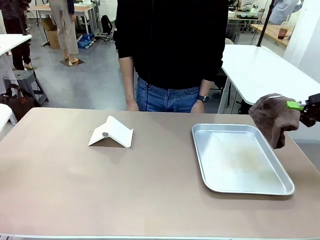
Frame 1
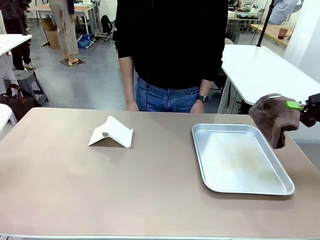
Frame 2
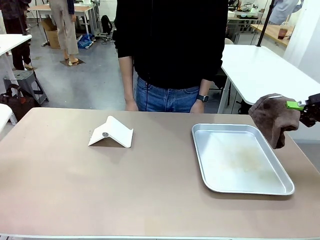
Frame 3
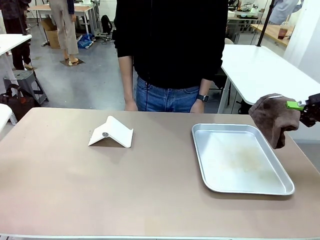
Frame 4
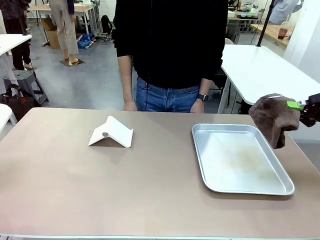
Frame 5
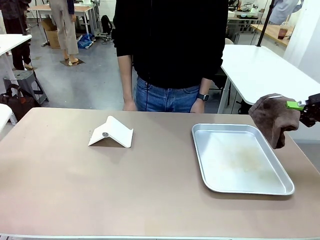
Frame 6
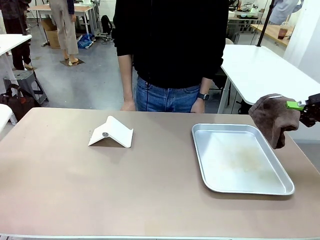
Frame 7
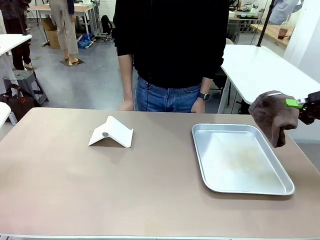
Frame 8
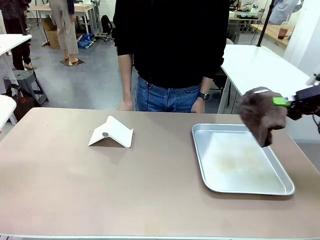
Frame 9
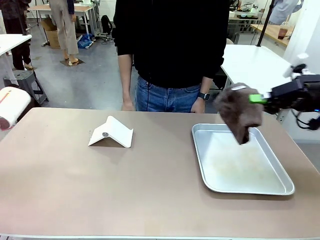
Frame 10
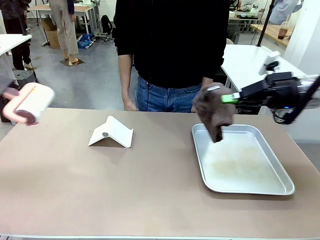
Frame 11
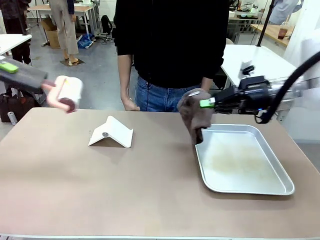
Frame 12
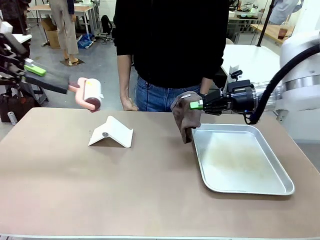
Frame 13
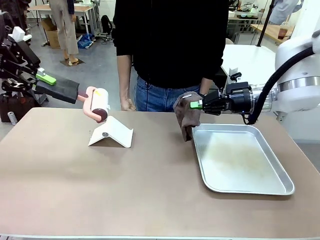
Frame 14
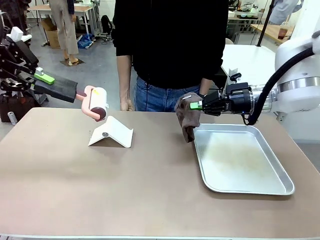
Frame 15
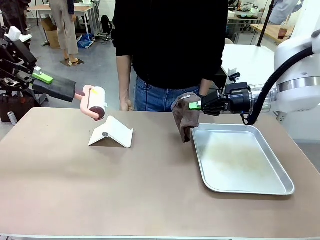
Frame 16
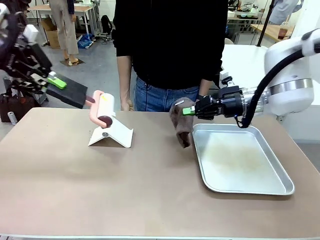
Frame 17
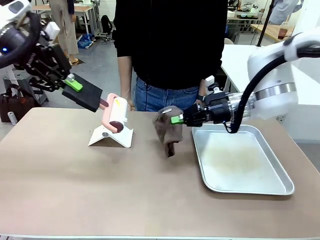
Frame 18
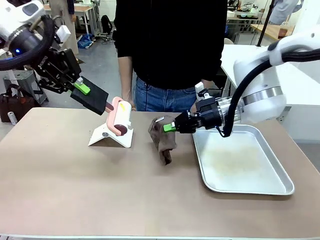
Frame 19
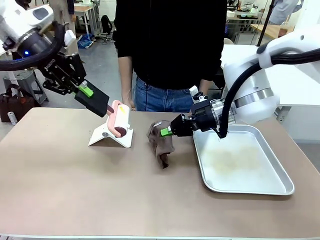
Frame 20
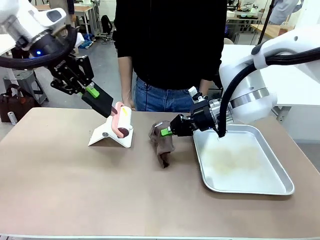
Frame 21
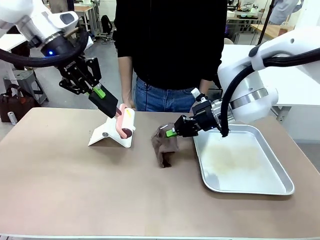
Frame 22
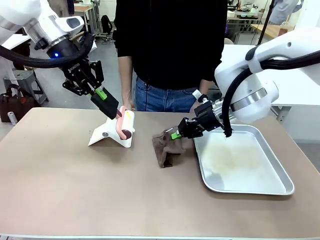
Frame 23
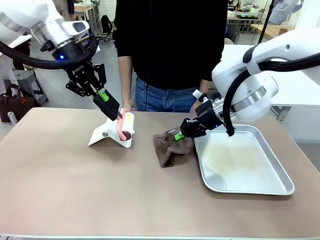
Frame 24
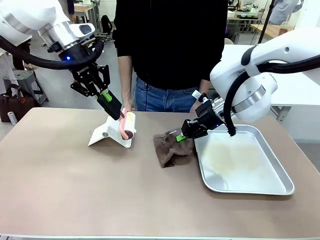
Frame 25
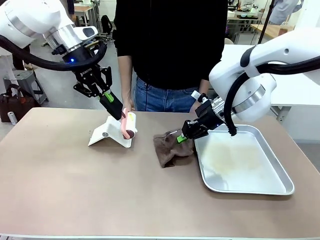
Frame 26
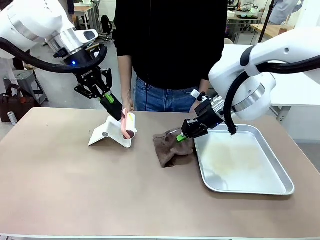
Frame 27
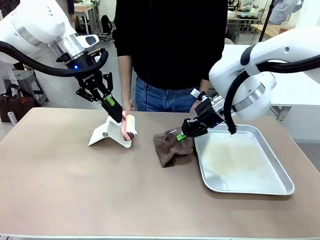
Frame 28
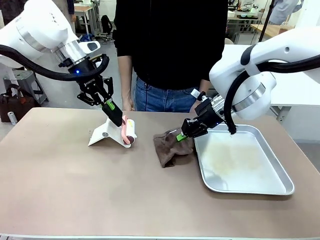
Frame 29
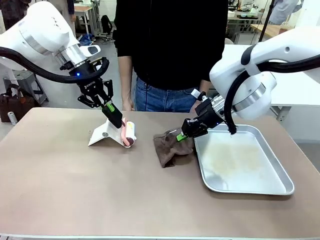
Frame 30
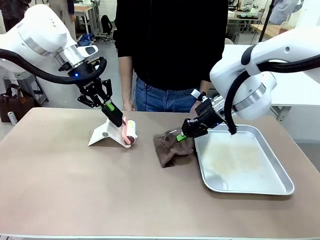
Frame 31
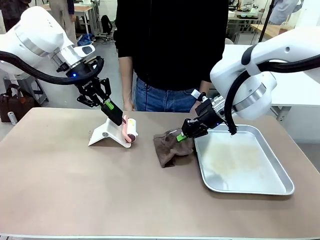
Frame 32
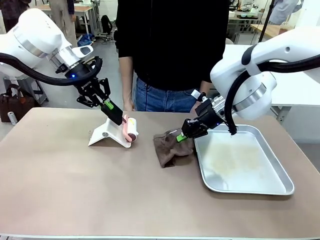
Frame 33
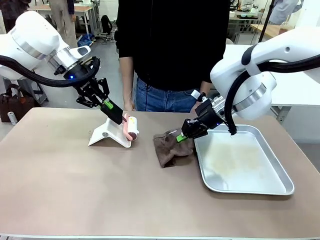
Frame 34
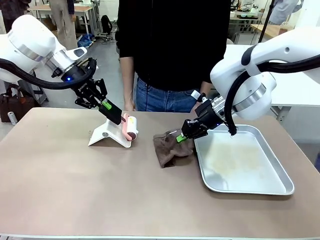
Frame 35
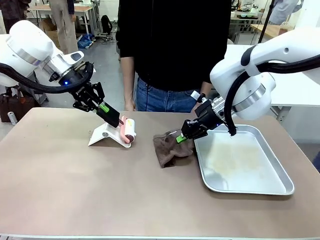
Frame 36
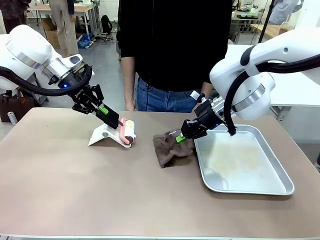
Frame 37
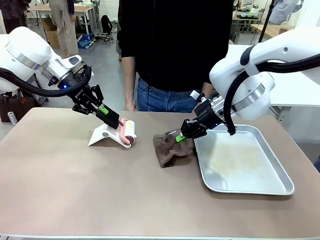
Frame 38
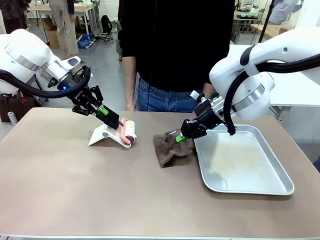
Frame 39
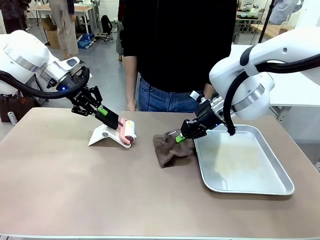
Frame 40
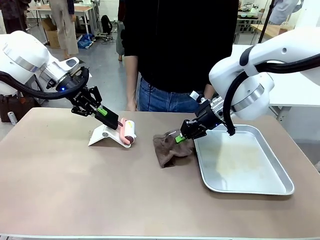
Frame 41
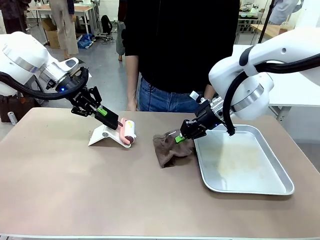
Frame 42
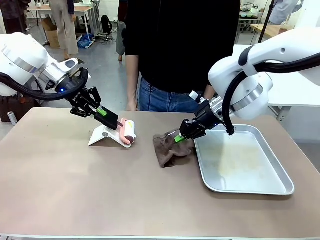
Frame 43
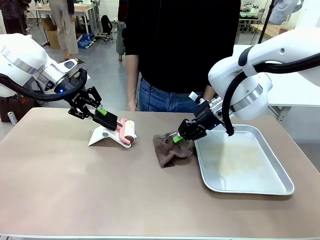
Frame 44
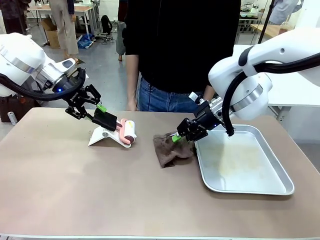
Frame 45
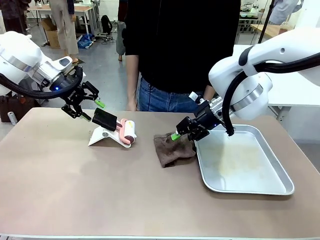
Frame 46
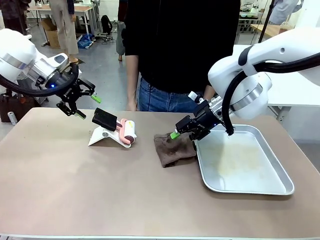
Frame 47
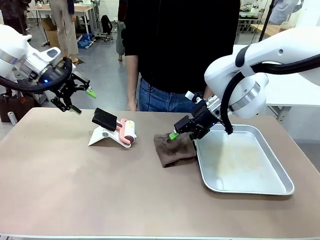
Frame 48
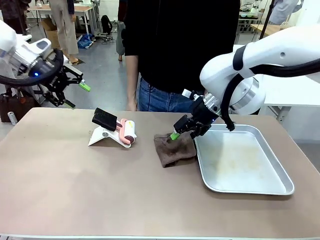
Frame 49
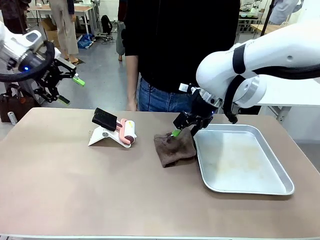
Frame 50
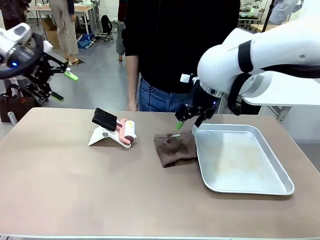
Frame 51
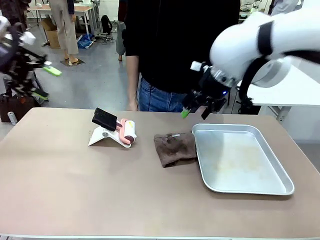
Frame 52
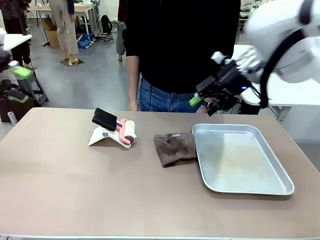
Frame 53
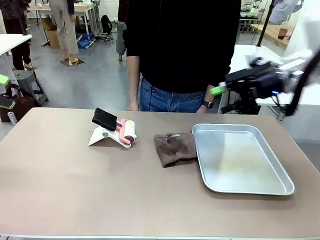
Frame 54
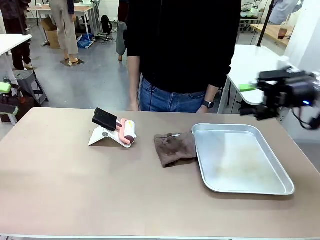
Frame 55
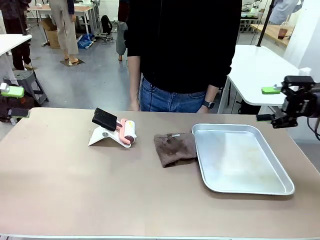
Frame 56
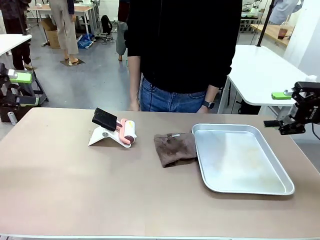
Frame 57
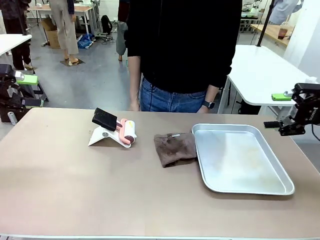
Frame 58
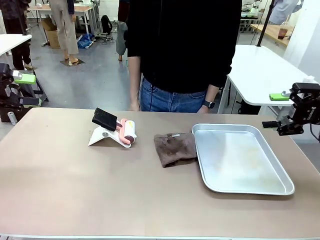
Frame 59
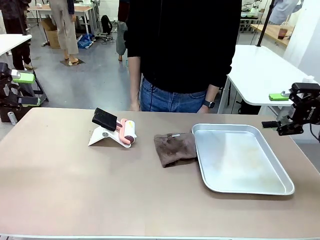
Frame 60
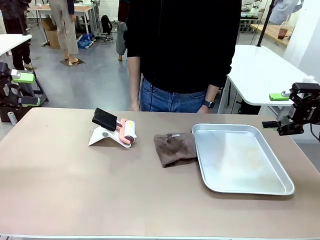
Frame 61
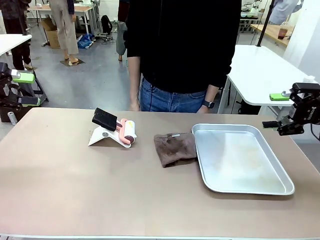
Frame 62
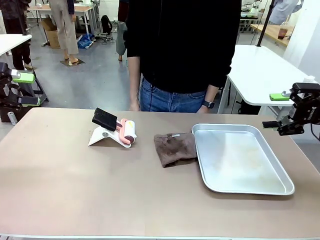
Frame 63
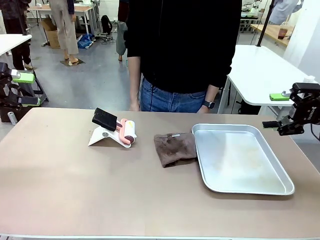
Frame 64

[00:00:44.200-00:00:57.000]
Task: Clean the surface of the table.
Robot: Return the Lint Roller and towel to their original positions.

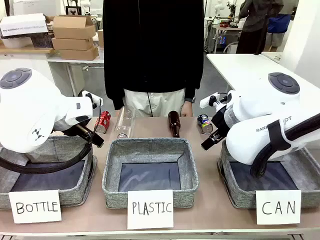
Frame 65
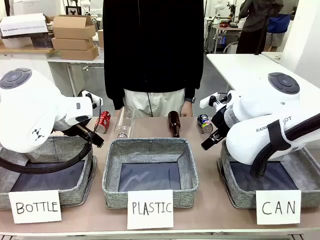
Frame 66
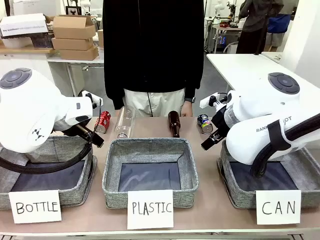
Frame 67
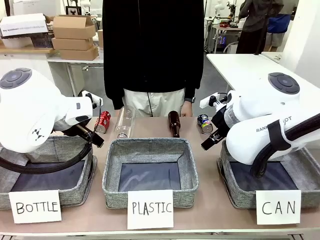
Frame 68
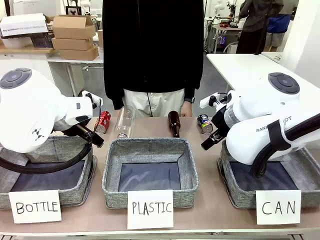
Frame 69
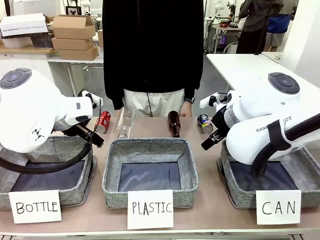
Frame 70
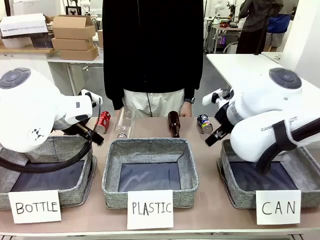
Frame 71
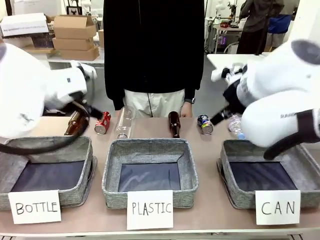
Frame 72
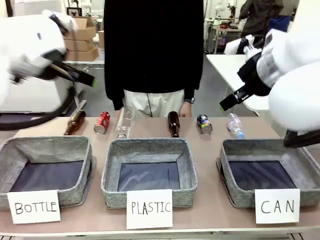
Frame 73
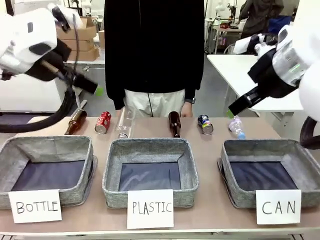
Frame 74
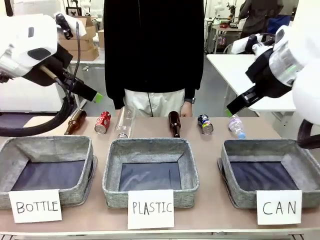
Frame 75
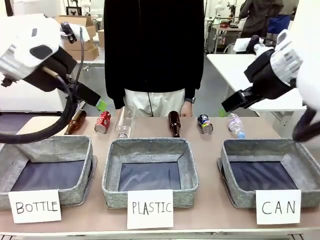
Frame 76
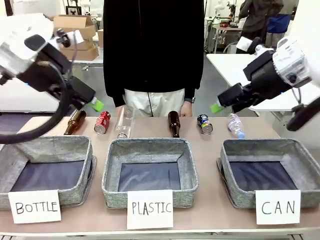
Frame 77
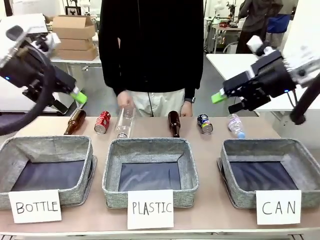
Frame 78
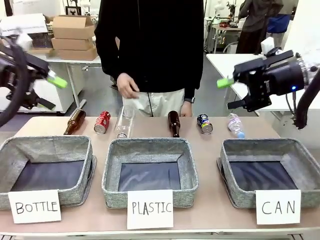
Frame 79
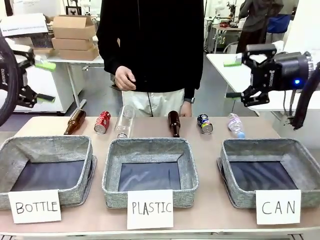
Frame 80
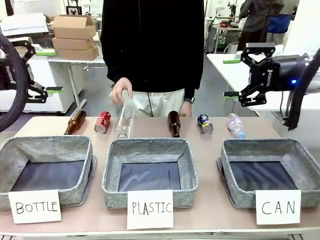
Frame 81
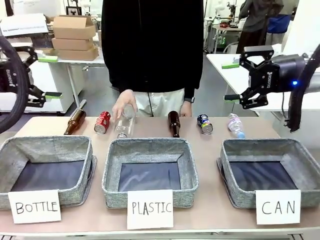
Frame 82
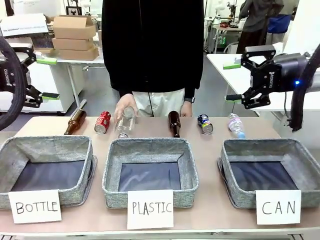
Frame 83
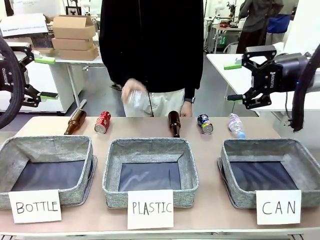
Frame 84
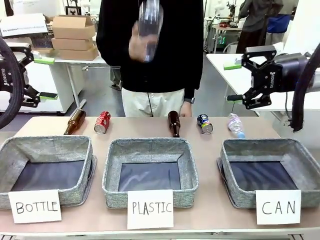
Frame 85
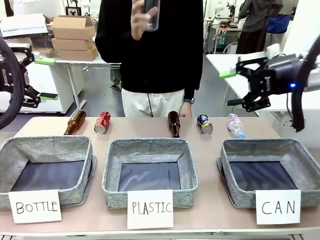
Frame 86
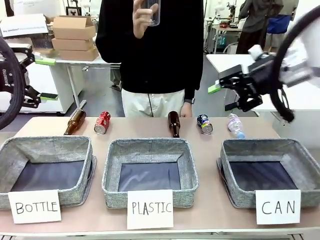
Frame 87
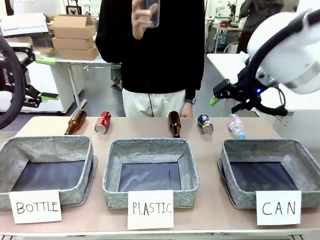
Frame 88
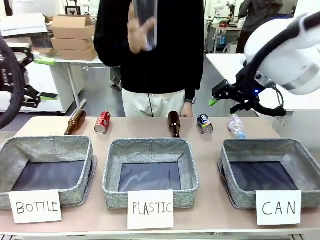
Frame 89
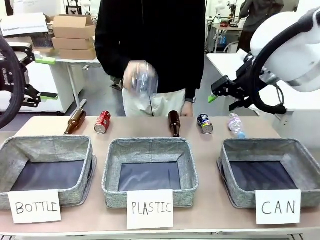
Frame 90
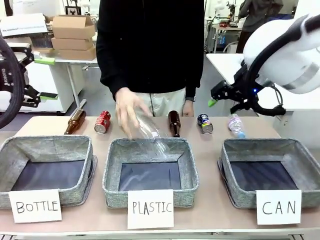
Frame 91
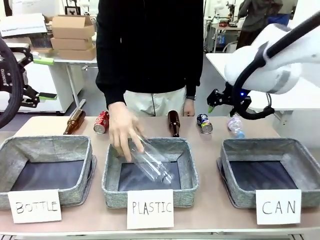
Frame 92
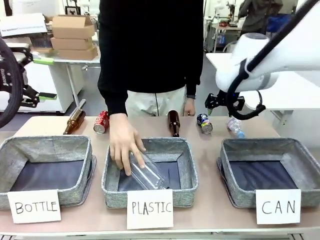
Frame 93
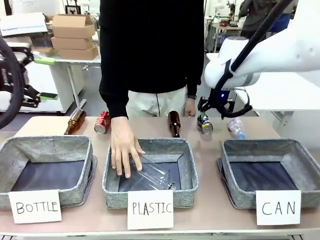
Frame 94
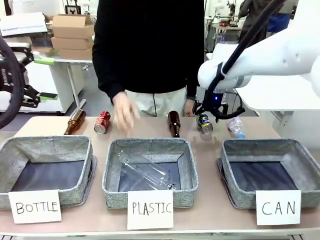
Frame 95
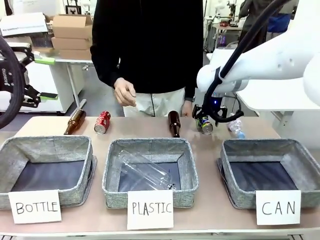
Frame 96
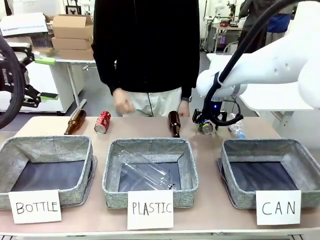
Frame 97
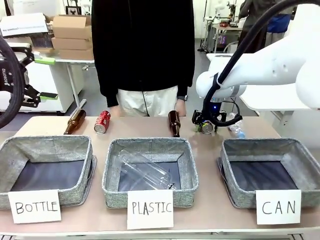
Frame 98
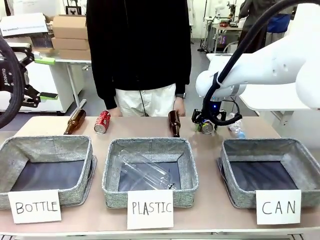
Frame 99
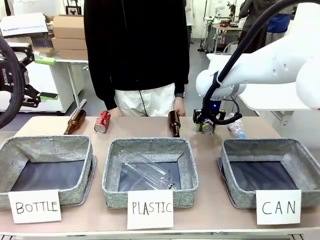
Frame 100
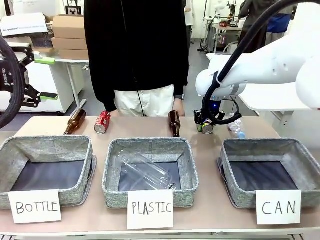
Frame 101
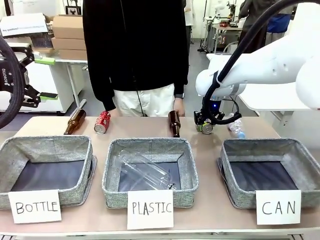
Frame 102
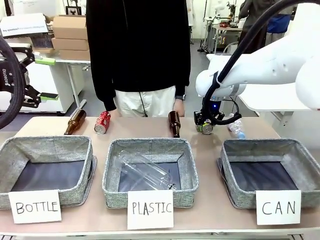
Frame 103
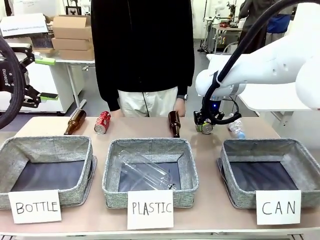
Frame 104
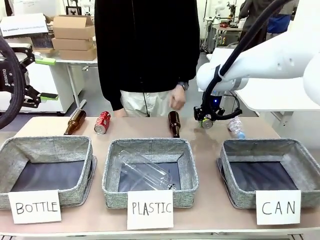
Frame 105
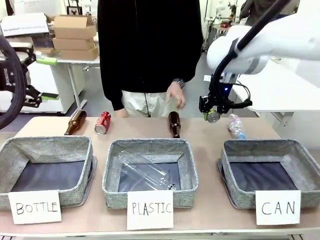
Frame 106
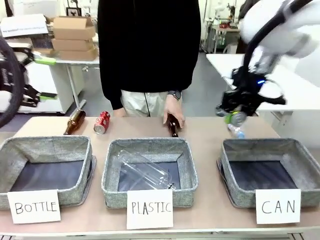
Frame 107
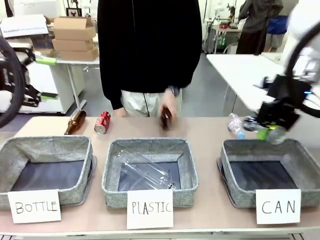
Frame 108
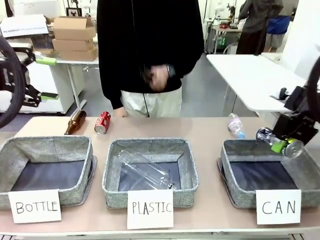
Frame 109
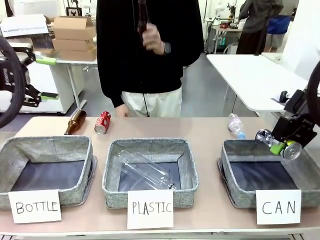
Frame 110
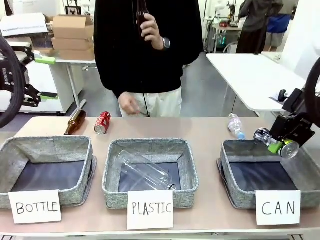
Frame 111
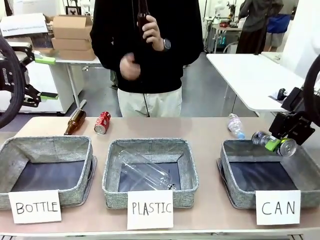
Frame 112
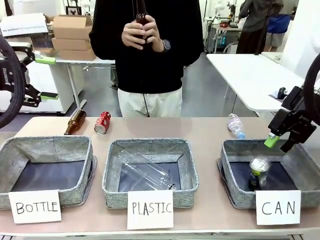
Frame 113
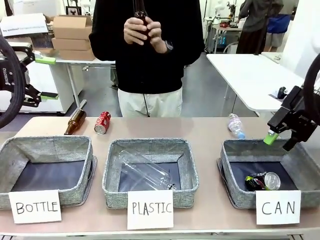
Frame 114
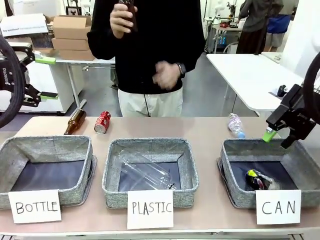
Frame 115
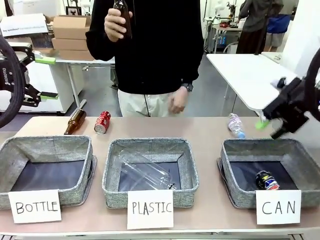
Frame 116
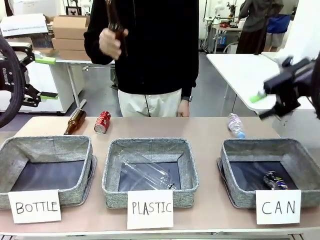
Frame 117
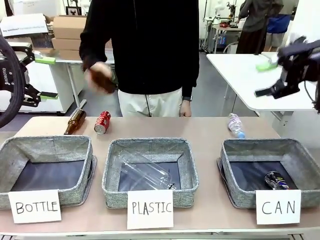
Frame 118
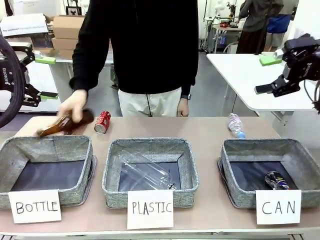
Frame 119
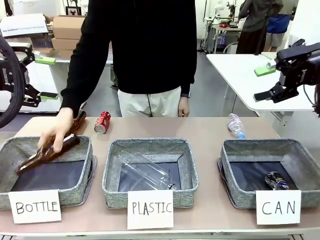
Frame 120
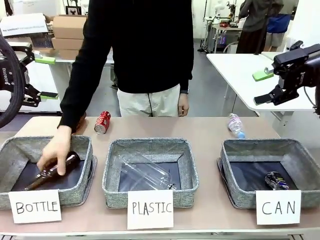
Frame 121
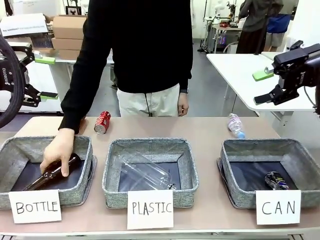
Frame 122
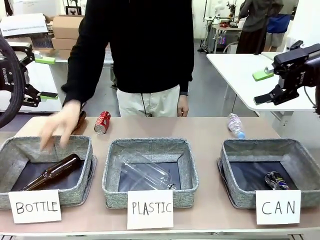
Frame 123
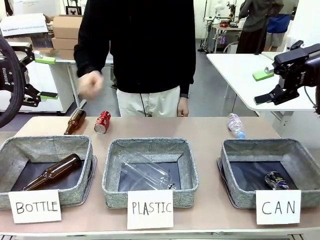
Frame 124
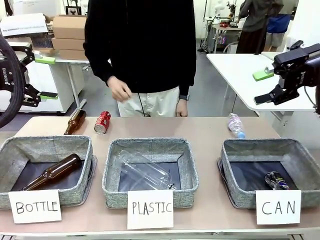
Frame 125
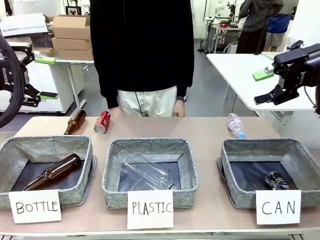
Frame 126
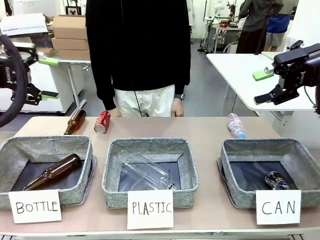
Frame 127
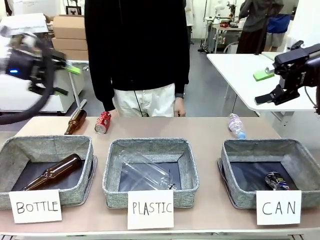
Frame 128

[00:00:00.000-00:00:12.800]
Task: Sort the can waste into the basket.
Robot: Pick up the can waste from the table and place it in the right Fabric basket.
